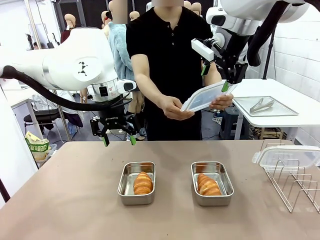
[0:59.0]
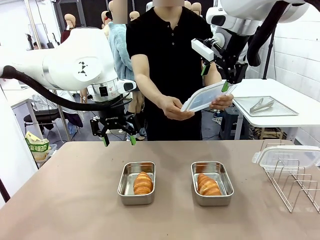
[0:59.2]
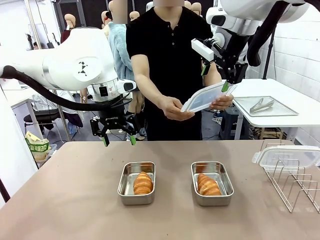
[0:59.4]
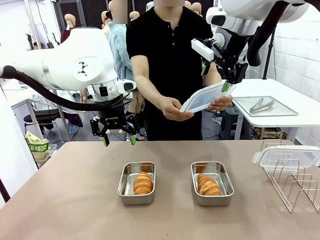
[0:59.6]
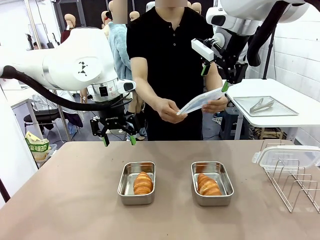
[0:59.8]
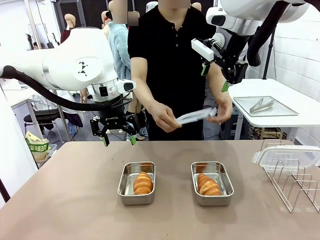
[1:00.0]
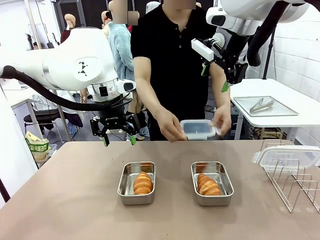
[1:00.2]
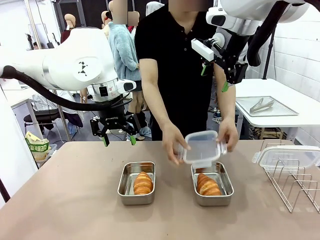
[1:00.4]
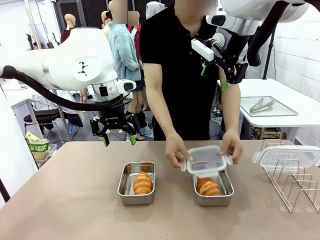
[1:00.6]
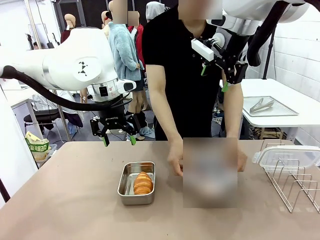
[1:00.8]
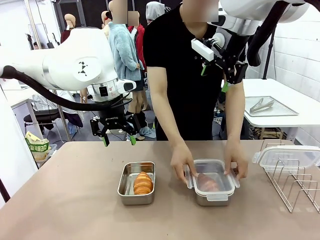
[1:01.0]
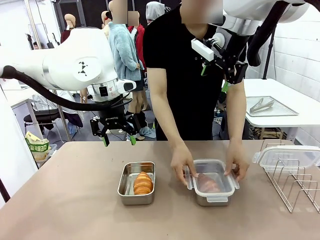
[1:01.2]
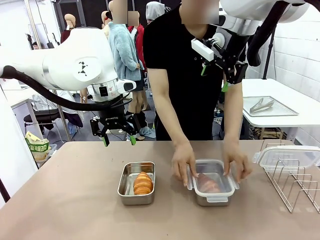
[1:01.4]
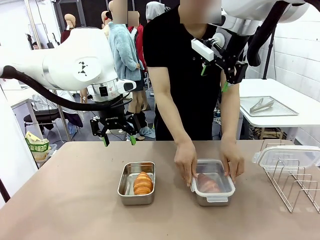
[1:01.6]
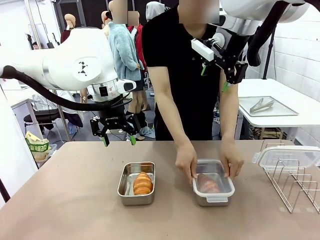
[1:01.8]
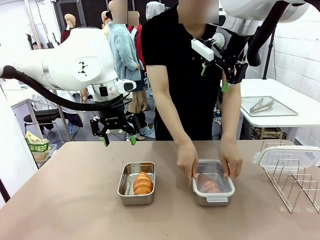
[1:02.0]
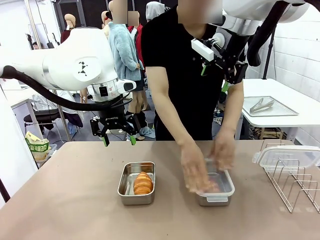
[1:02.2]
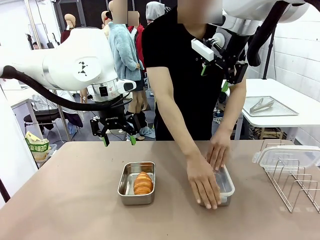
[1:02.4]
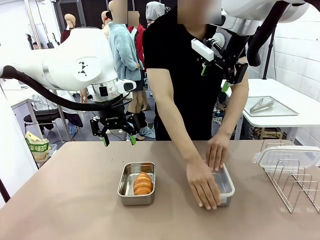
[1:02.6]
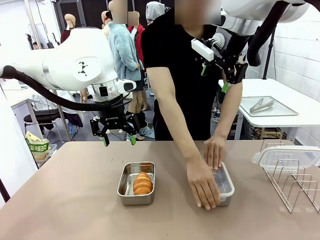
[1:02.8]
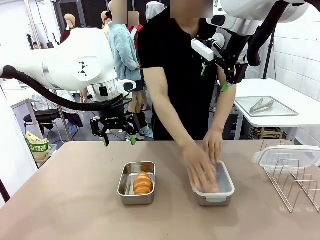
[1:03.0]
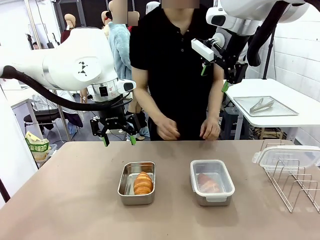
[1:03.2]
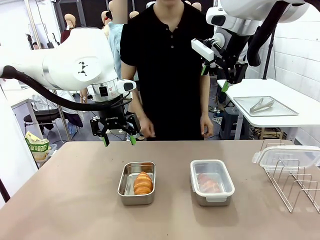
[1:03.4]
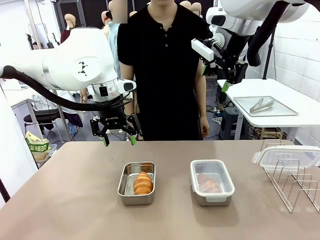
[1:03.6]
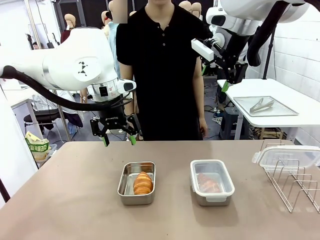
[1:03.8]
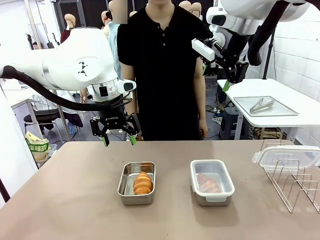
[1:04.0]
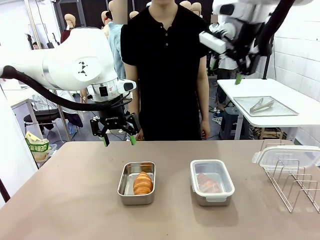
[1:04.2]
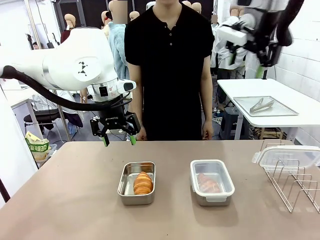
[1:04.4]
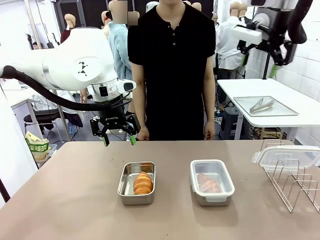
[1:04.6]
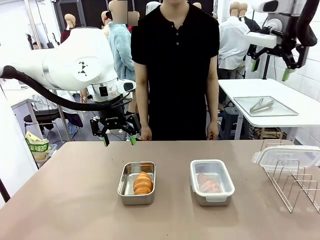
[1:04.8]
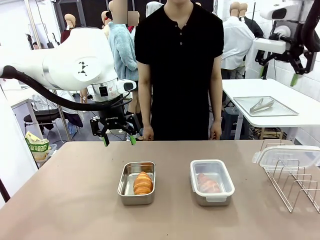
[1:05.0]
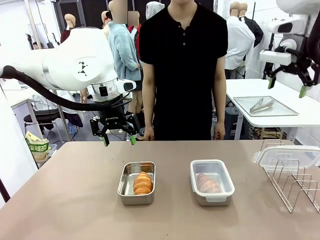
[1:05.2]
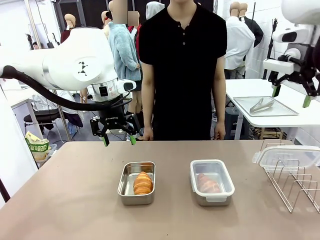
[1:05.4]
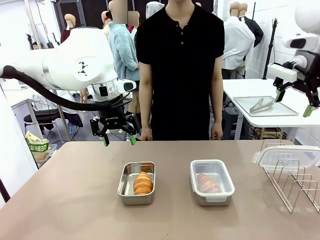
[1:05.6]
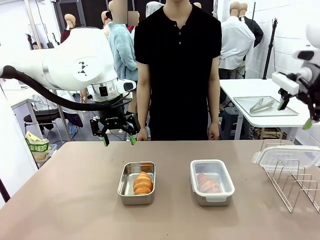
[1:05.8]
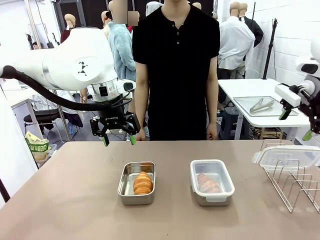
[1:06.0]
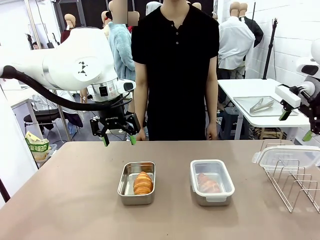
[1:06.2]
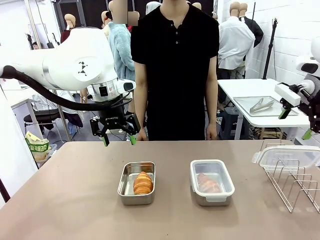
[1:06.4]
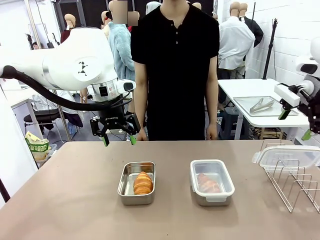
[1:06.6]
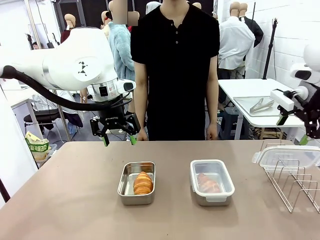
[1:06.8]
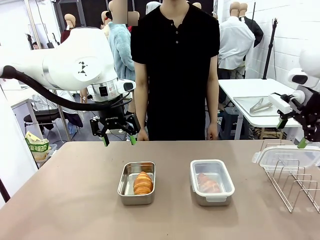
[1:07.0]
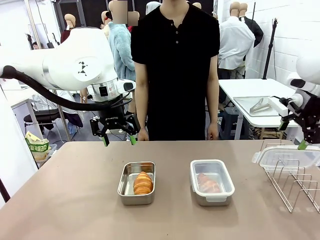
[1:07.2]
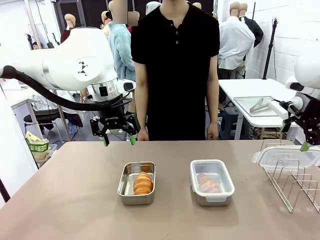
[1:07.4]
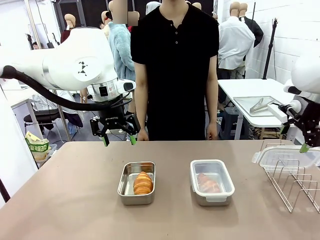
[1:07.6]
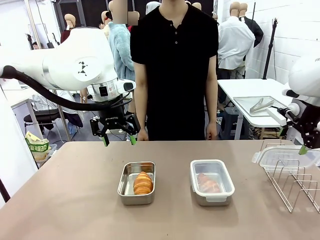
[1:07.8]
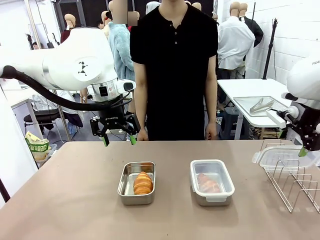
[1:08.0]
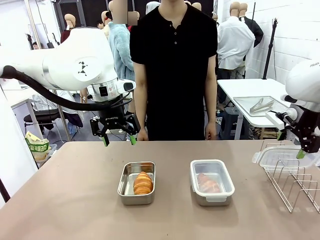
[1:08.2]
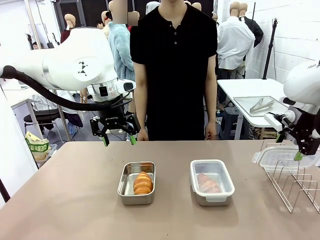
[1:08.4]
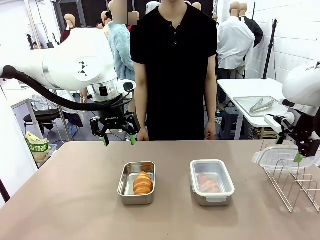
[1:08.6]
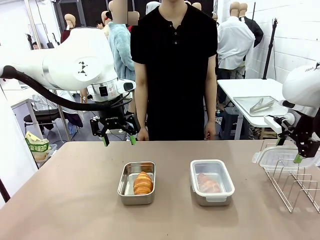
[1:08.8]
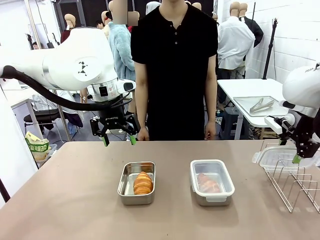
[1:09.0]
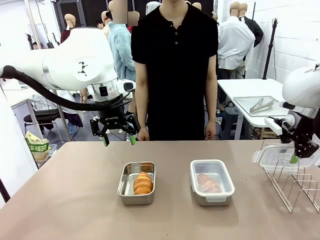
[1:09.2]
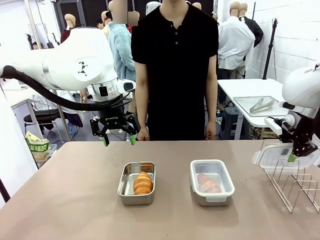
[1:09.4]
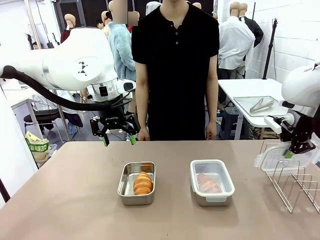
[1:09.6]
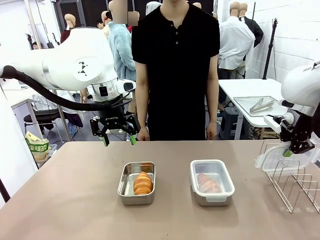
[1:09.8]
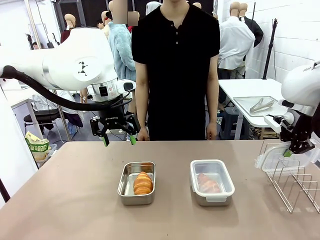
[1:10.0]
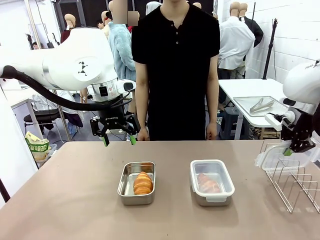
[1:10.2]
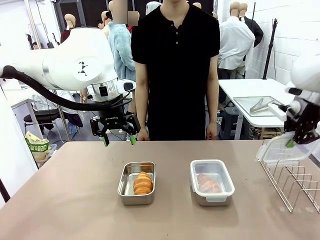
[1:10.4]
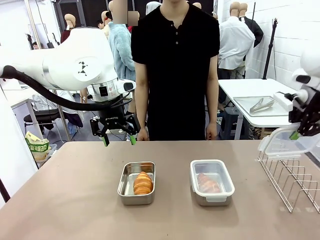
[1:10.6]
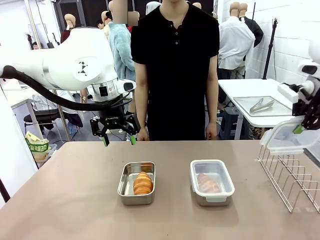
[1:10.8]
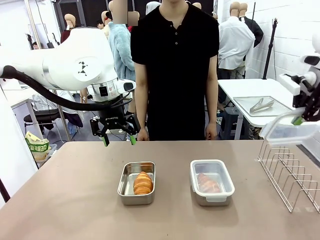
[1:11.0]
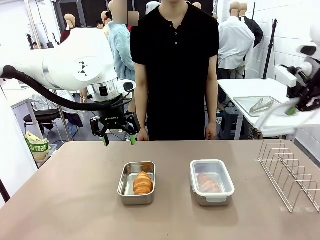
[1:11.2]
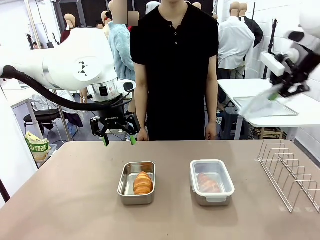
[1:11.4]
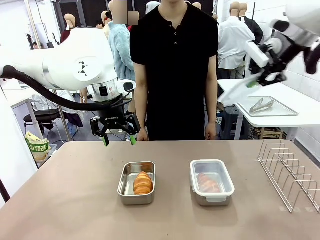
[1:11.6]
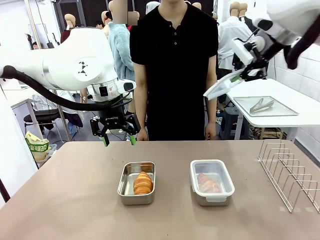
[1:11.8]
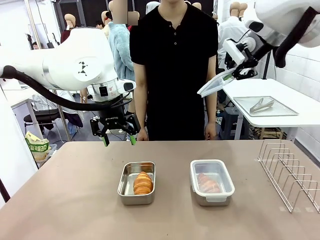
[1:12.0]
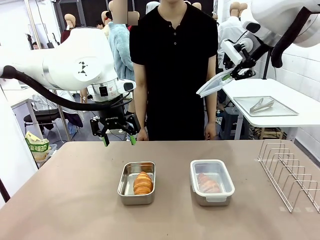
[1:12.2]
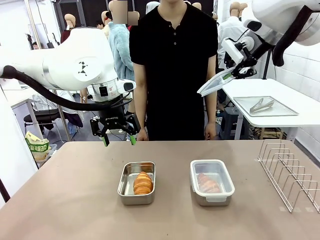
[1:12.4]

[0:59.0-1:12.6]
Task: Place the bread in airtight containers.
Robot: Pick up one Airtight Container lid and hand it to the human.
Person: Close Airtight Container with a handed Airtight Container lid. Grip Airtight Container lid that robot is handing.

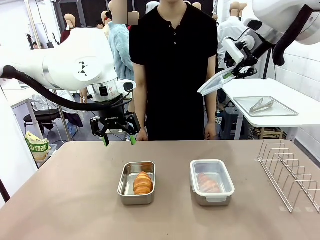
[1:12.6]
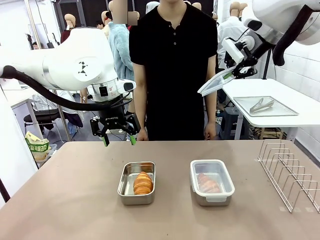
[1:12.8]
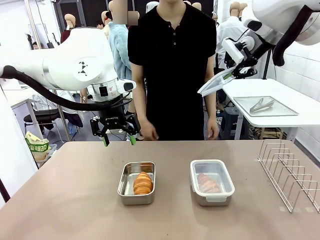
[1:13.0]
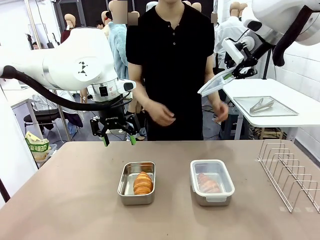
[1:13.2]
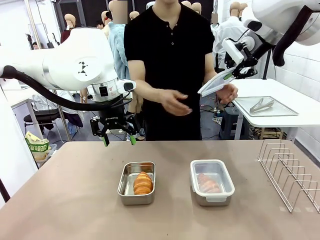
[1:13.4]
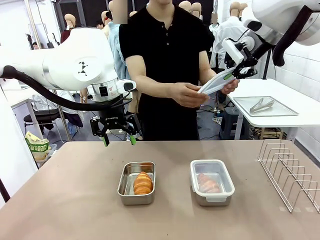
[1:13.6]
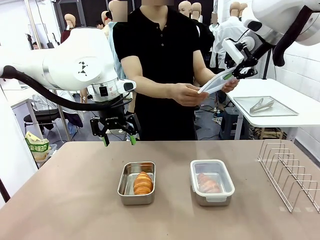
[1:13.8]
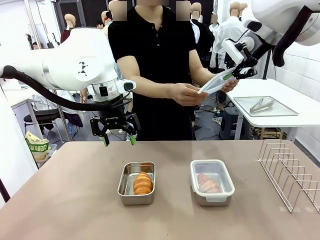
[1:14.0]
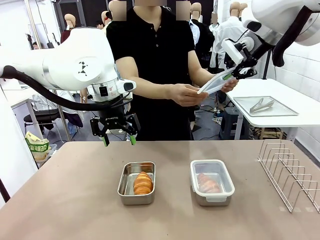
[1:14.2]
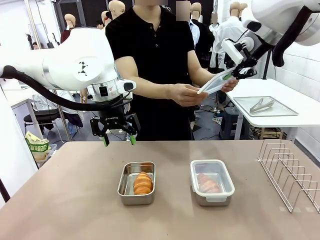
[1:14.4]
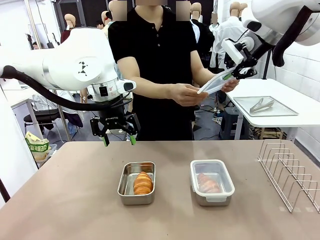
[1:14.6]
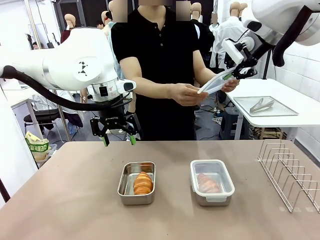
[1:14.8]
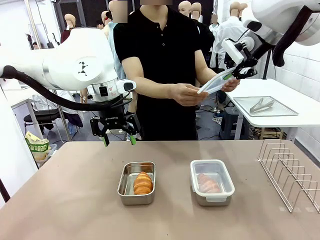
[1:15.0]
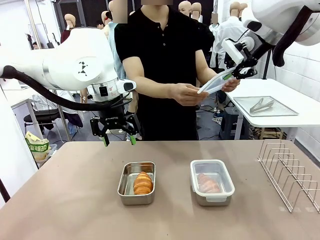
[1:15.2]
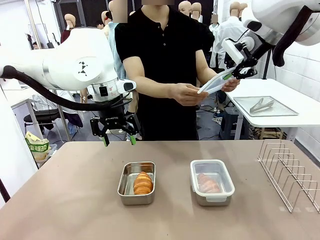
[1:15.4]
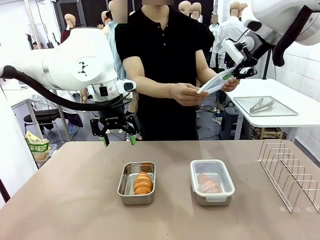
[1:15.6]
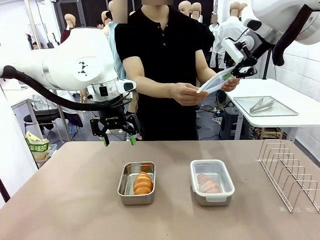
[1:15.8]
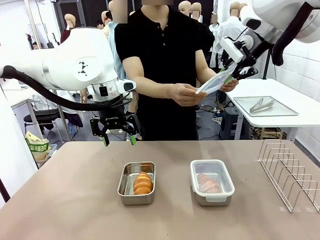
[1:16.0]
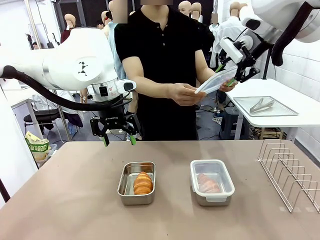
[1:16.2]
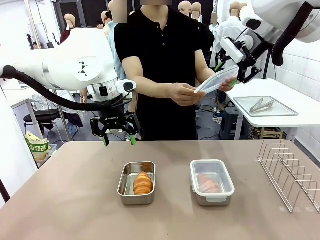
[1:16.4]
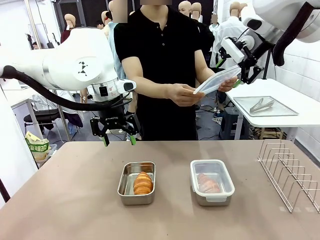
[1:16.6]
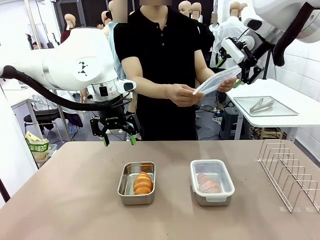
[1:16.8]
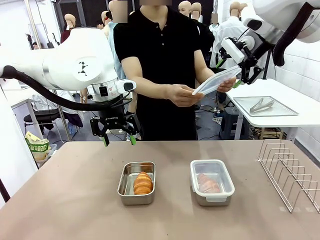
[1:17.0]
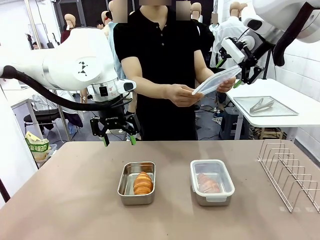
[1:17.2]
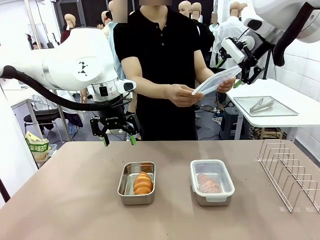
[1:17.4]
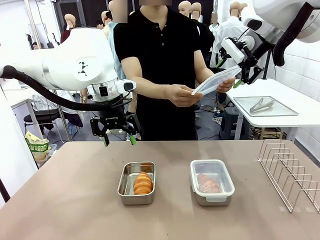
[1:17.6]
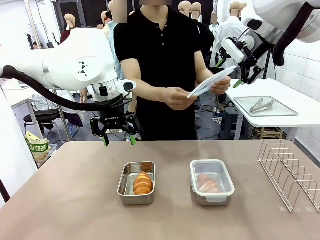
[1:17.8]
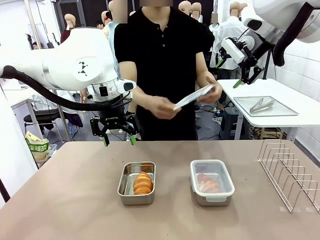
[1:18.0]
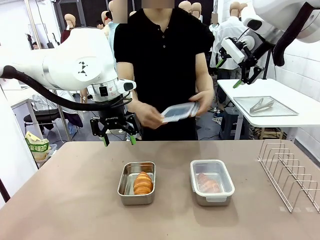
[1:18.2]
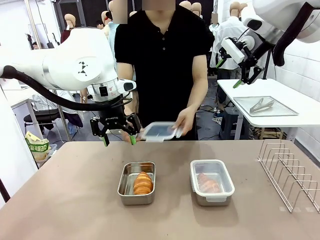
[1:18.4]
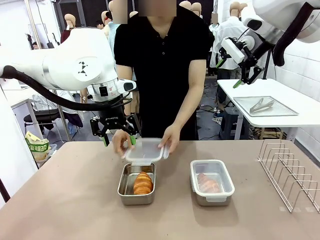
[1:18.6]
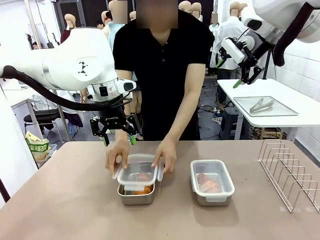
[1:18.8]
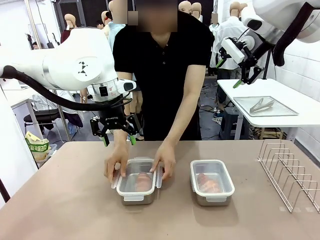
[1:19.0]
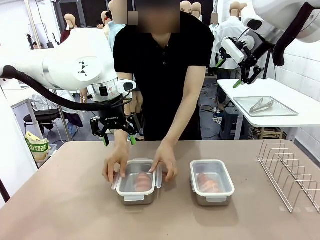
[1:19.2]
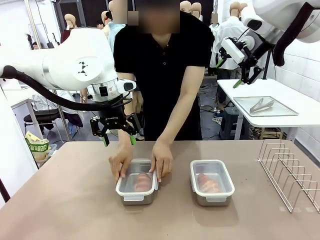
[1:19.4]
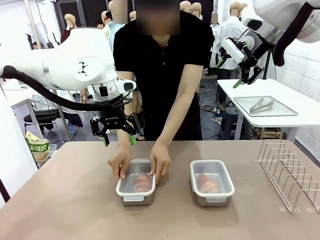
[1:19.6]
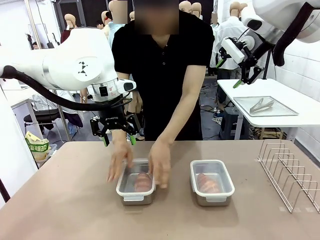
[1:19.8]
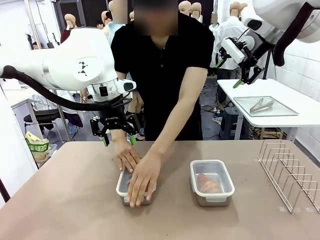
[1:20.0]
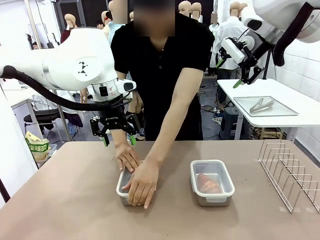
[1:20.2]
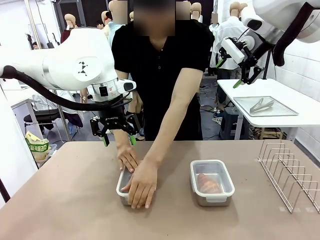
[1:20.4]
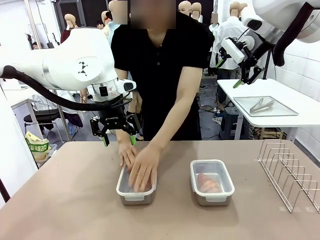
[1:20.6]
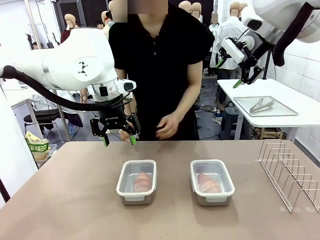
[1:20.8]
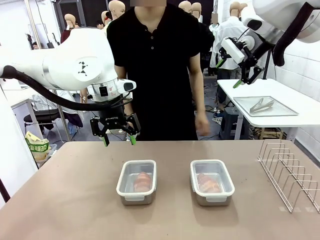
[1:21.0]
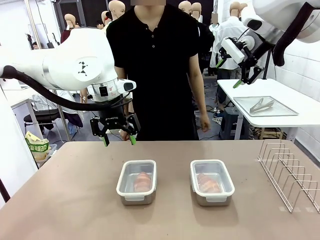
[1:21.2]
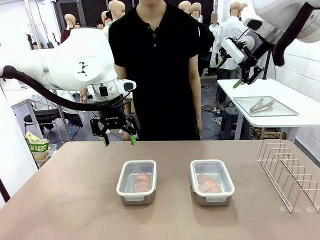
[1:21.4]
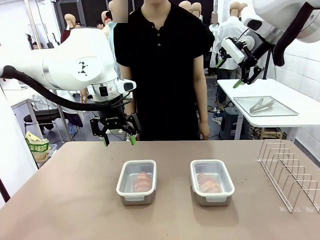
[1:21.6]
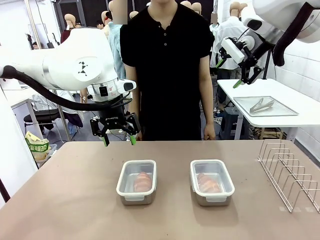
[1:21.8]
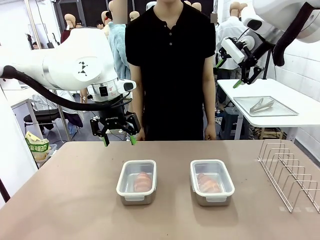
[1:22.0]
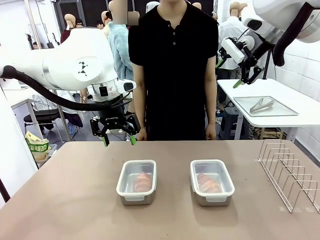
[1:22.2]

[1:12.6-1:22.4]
Robot: Release when the human grabs the Airtight Container lid.
Person: Close Airtight Container with a handed Airtight Container lid.
